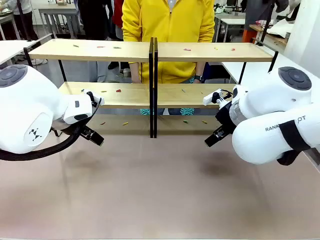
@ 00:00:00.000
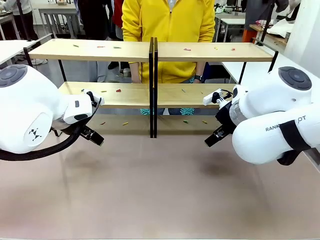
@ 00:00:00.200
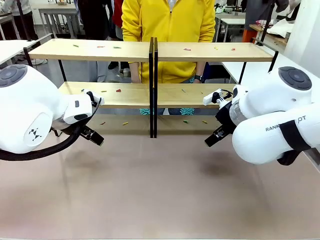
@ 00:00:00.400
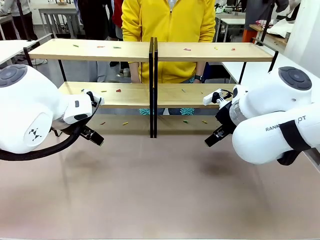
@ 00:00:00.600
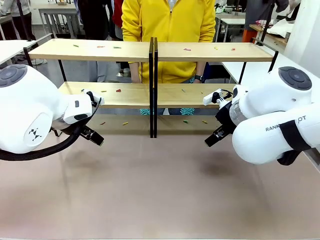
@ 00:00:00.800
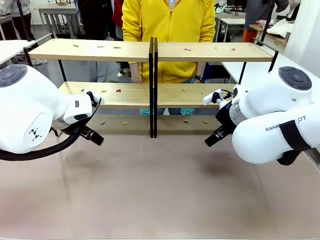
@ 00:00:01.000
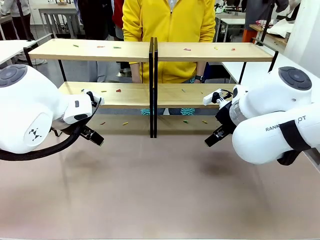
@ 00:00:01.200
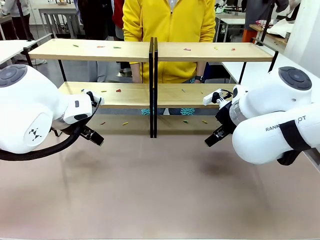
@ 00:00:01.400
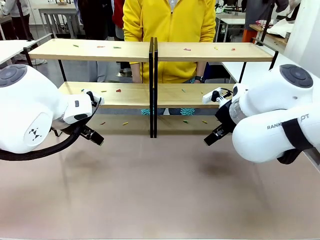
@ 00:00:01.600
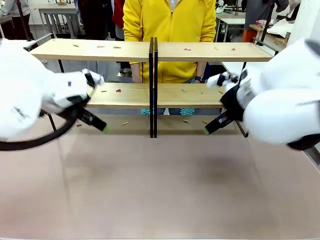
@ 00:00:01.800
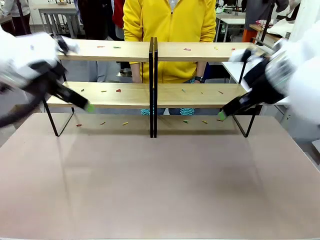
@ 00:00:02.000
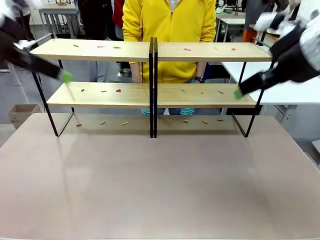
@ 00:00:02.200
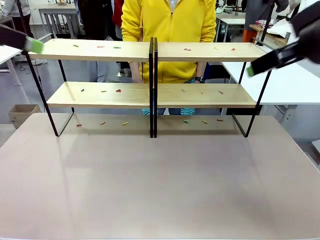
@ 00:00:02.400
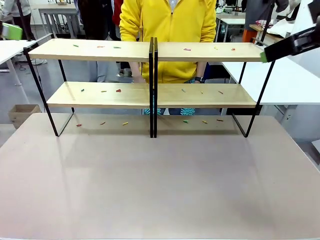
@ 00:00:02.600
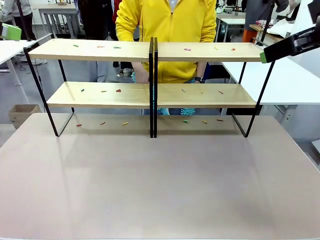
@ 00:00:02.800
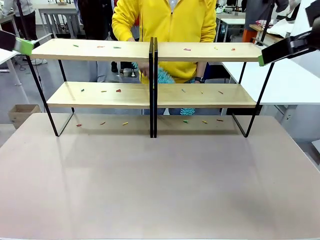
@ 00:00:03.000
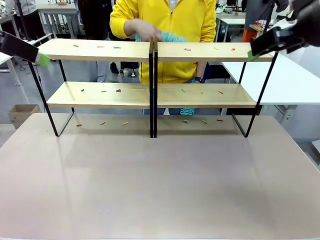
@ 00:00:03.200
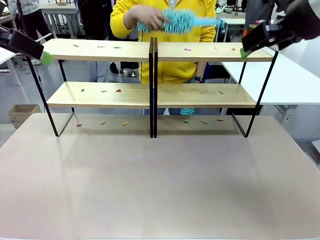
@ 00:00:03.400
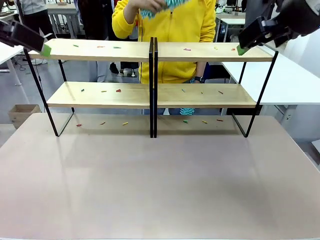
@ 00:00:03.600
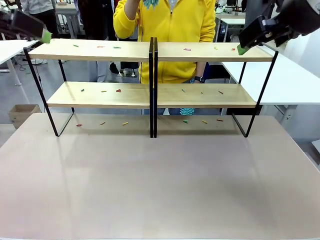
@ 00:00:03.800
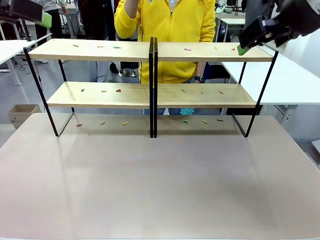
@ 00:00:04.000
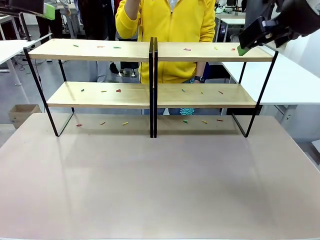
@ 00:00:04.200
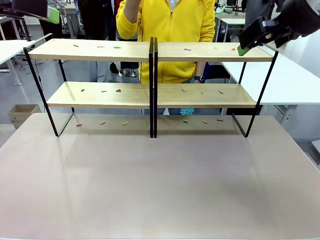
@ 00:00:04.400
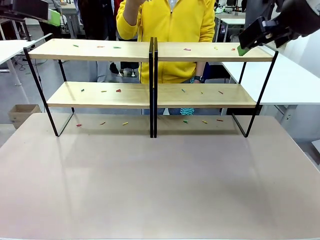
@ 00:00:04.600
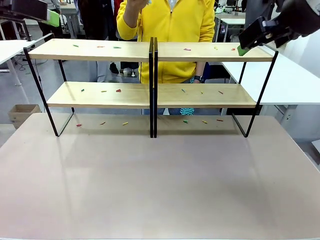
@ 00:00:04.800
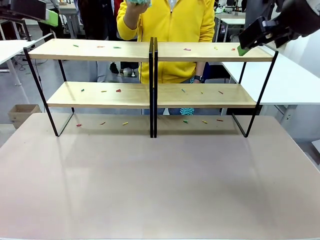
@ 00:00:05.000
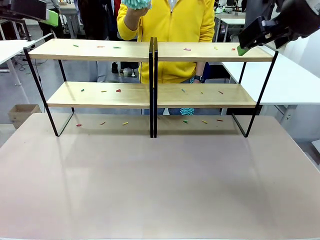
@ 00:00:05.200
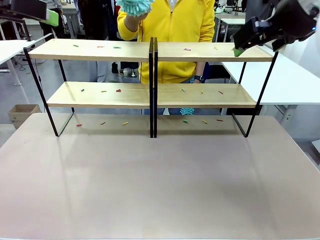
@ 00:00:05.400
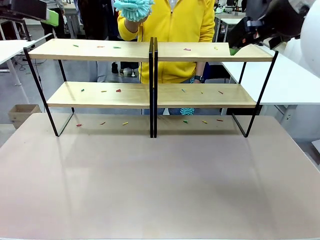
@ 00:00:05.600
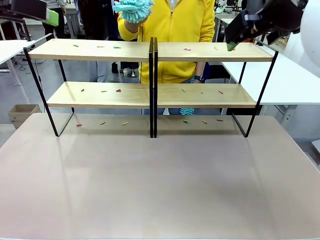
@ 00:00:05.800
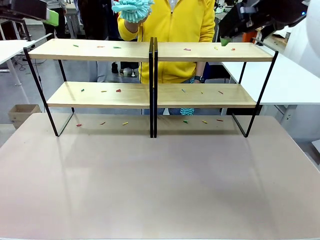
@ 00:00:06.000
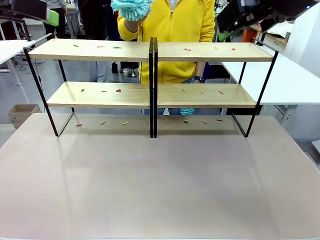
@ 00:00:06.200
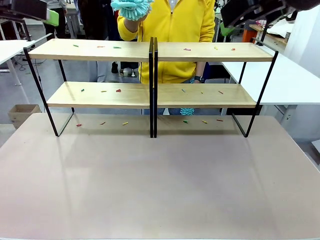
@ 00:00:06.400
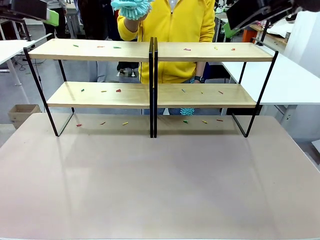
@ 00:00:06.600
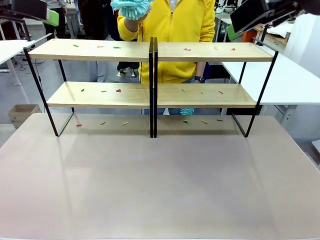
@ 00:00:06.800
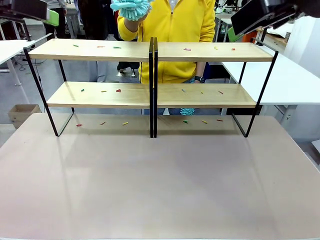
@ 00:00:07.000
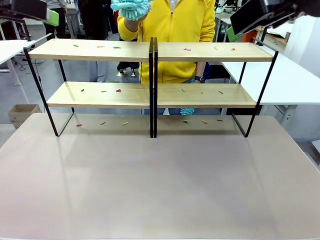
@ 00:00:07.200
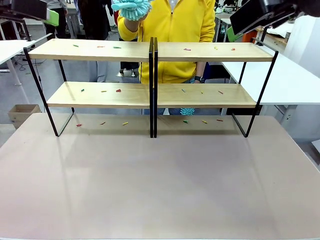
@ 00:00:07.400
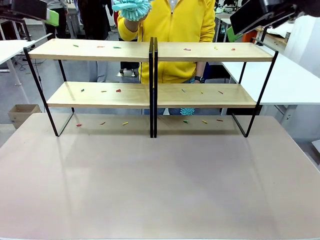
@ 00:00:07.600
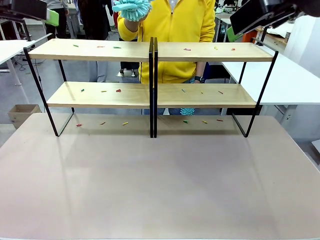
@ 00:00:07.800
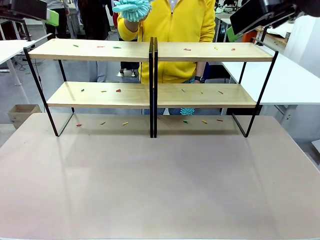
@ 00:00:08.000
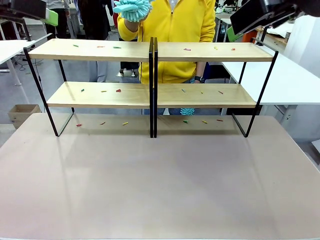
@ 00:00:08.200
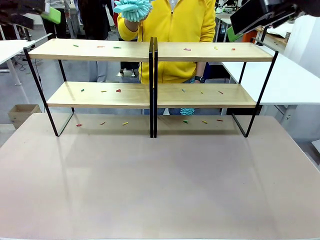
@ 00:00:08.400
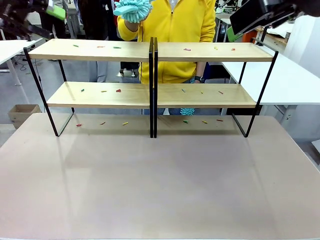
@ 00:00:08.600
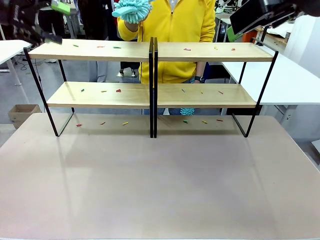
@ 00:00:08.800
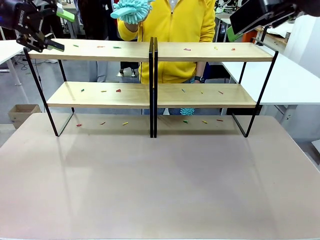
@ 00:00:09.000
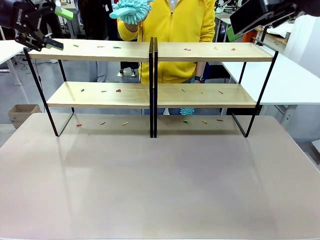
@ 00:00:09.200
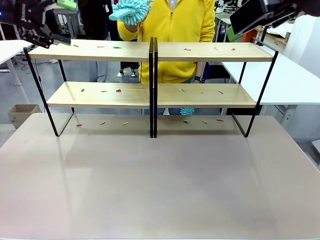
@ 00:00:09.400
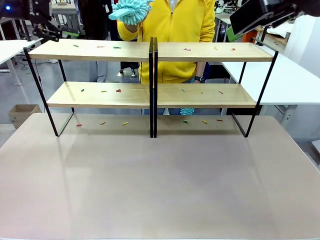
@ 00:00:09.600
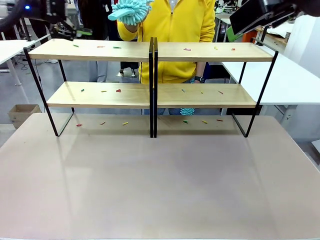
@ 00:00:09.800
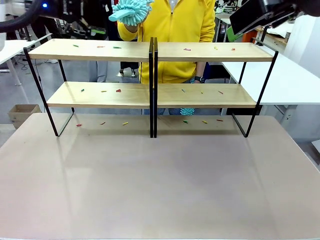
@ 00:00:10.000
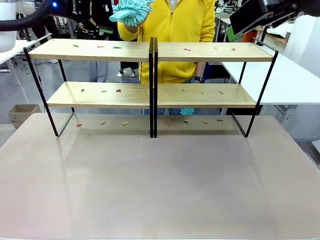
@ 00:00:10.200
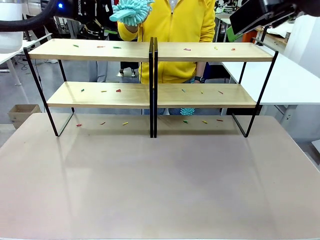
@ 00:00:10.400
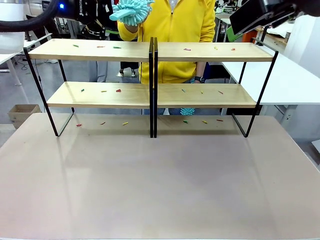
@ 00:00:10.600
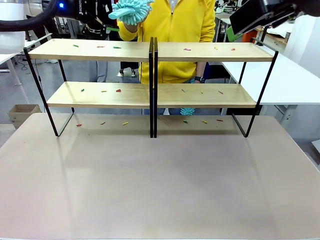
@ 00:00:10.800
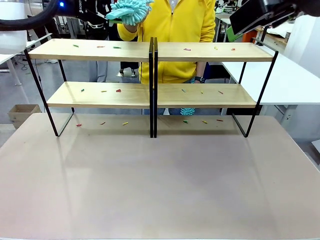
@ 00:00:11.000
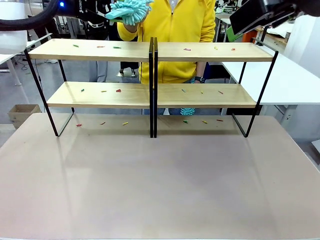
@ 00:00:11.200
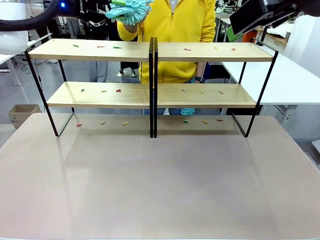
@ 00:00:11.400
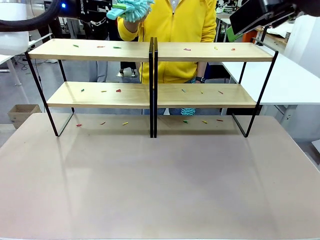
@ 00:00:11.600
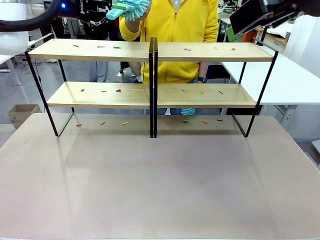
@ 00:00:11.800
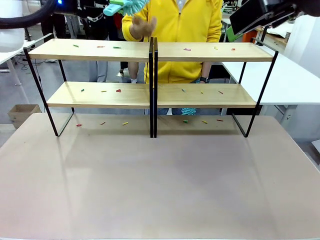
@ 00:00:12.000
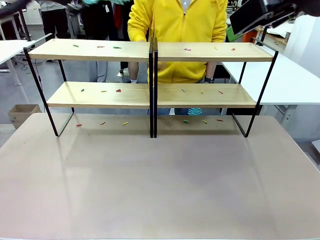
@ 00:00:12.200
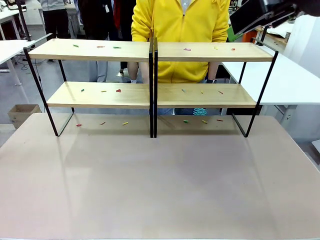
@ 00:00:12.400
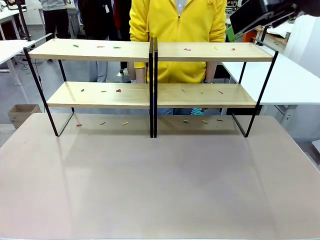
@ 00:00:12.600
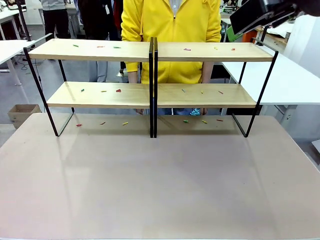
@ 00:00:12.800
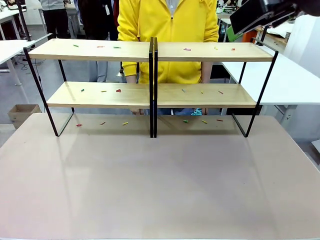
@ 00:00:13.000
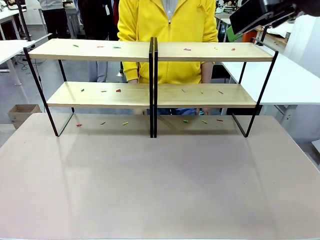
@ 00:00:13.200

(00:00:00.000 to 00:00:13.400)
Task: Clean the shelves.
Robot: Pick up the Duster when the human hands it over.
Person: Hand the Duster to the robot with your right (or left) hand.

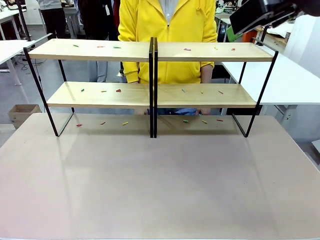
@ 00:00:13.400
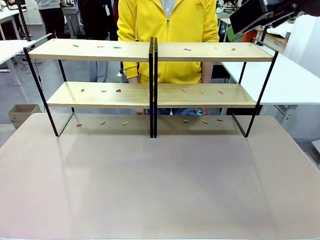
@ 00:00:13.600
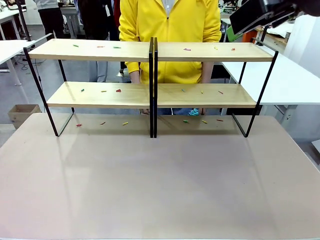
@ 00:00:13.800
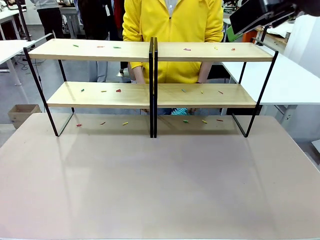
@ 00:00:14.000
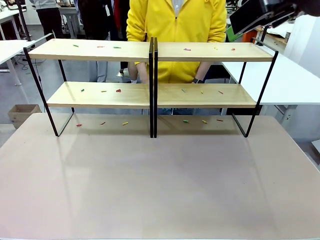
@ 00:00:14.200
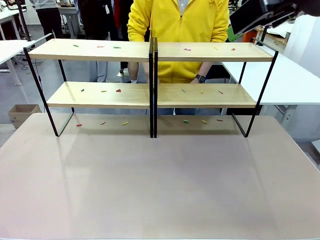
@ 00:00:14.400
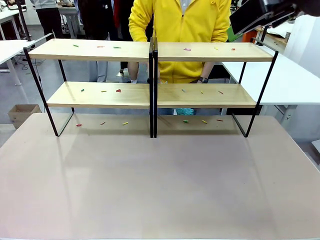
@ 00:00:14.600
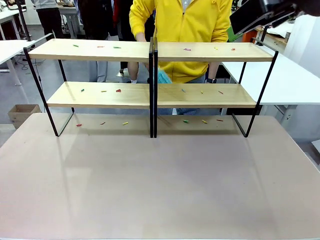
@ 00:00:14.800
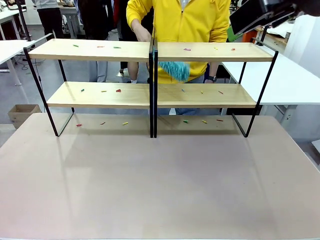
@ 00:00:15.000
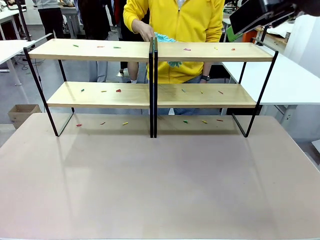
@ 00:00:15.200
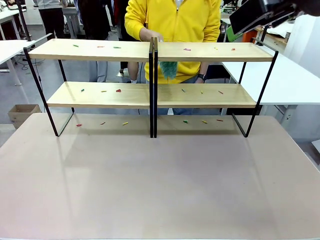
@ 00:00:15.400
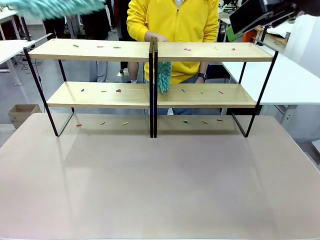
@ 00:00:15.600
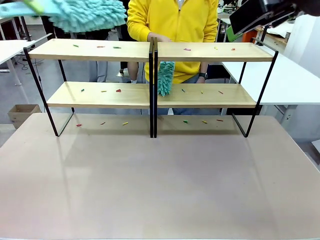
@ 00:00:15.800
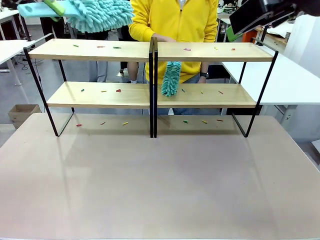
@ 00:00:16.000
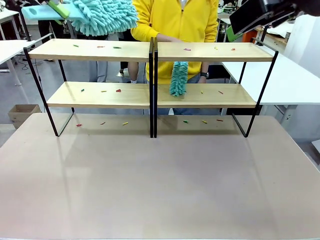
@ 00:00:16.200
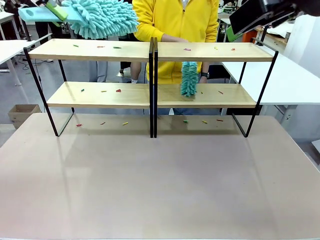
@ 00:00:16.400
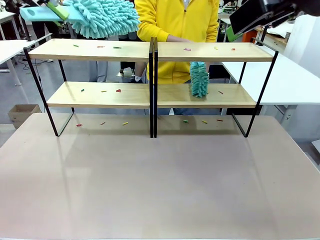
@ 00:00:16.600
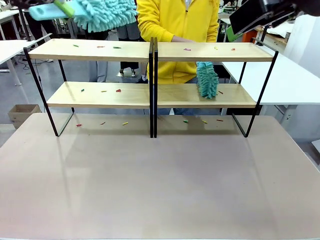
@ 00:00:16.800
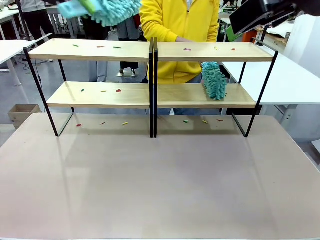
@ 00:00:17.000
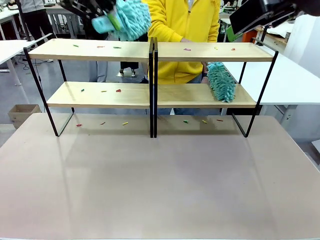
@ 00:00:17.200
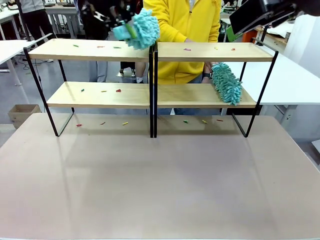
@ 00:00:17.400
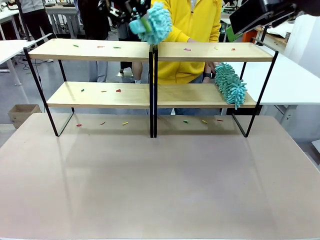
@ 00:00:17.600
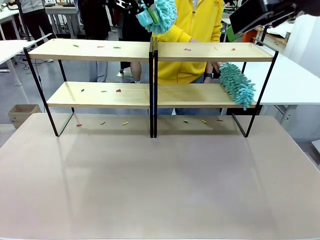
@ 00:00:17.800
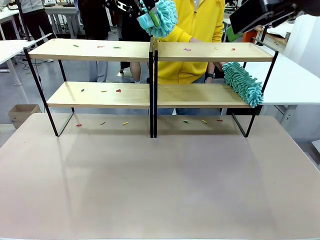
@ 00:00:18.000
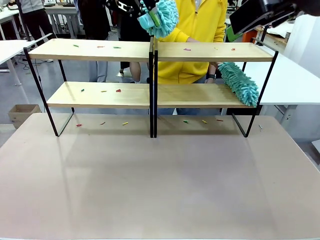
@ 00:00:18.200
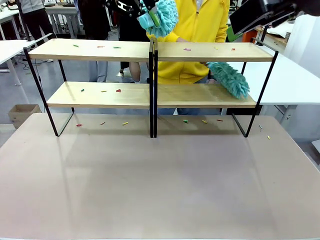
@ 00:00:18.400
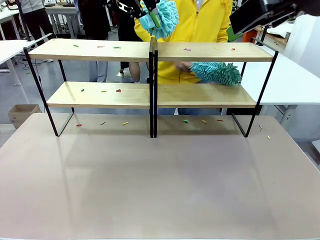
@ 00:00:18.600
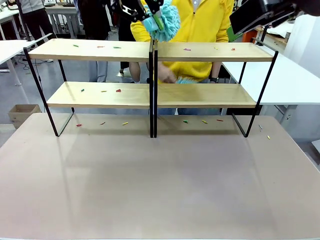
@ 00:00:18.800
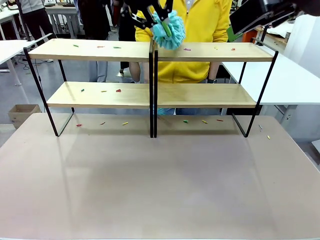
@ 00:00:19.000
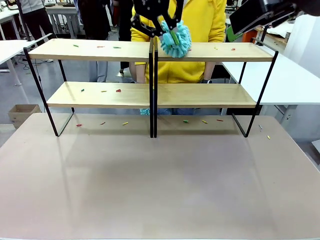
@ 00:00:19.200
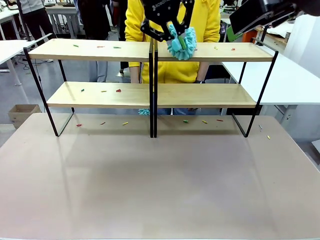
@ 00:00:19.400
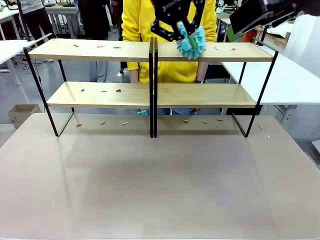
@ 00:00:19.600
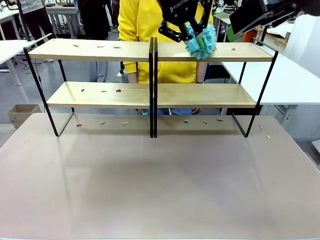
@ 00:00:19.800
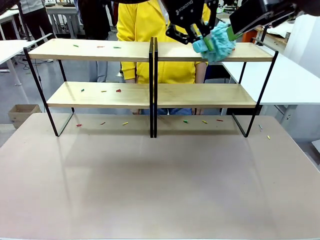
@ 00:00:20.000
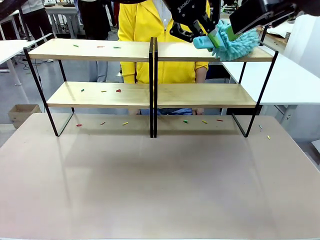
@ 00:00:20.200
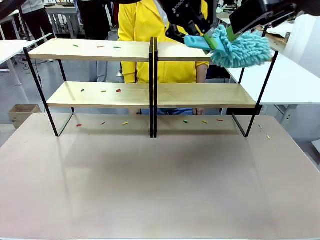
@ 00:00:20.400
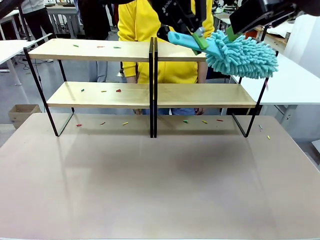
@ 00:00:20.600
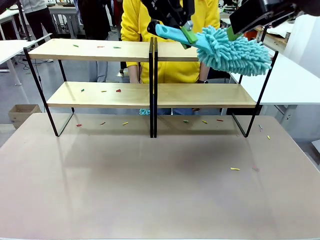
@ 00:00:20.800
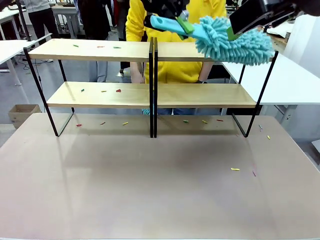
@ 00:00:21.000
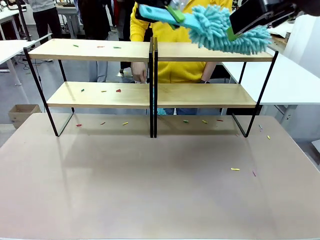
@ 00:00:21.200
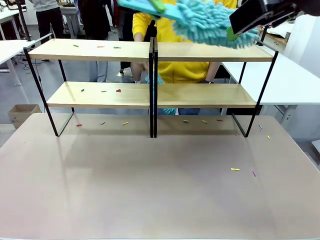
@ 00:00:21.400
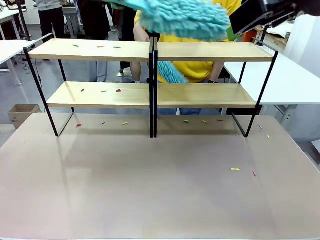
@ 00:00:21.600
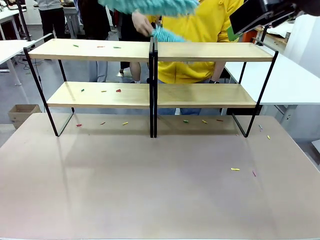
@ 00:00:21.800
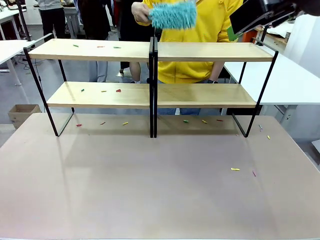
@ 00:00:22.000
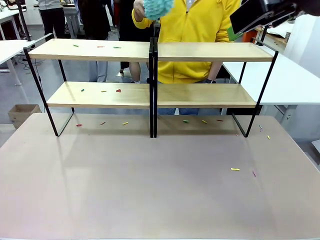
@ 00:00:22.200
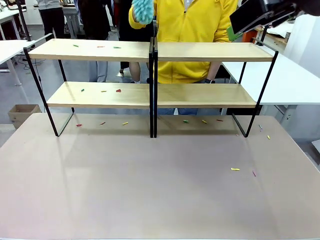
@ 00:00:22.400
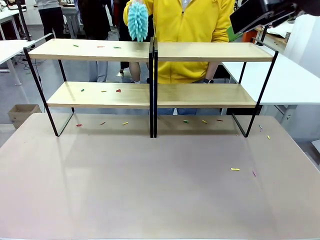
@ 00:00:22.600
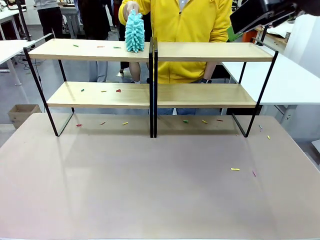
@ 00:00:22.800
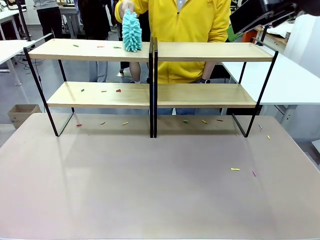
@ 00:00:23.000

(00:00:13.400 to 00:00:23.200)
Robot: Clean a randomly selected level of the Shelf with the Duster.
